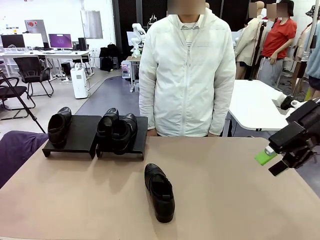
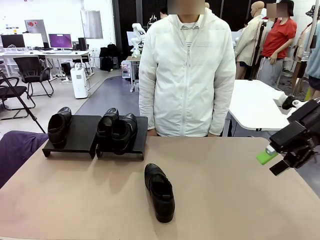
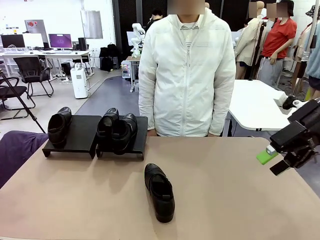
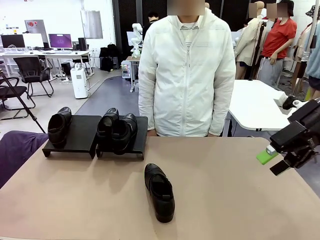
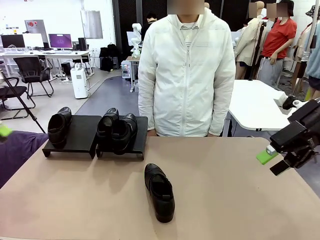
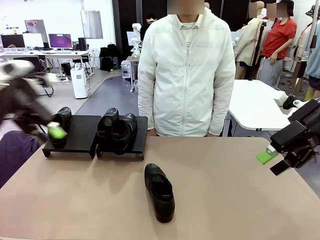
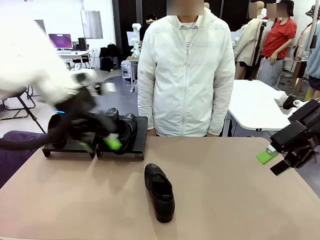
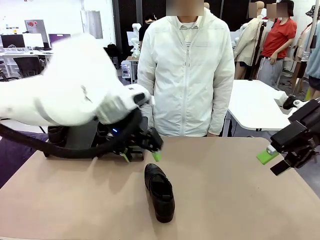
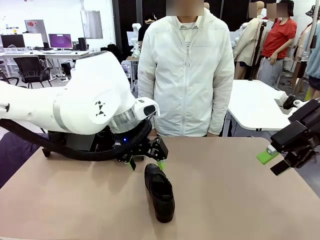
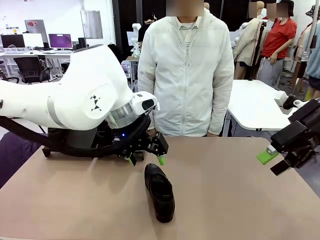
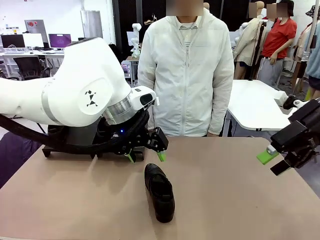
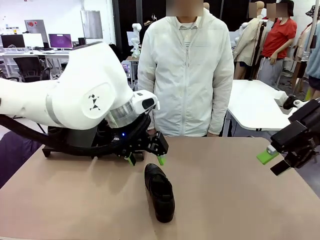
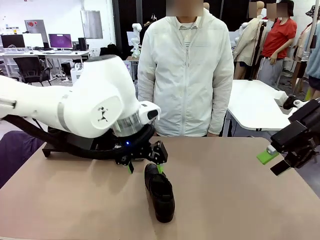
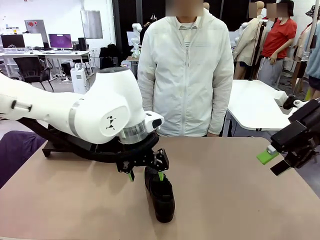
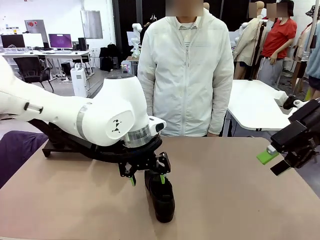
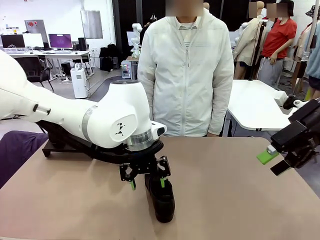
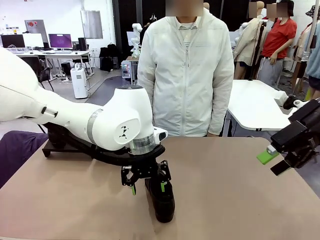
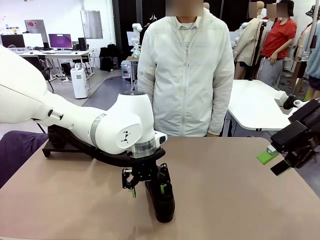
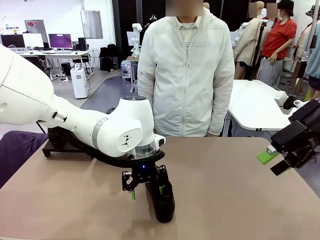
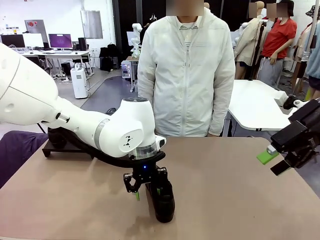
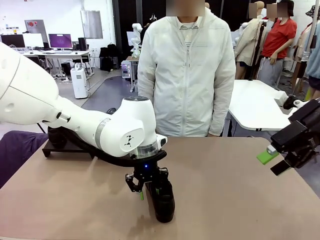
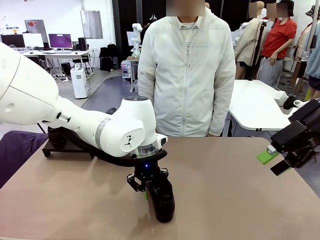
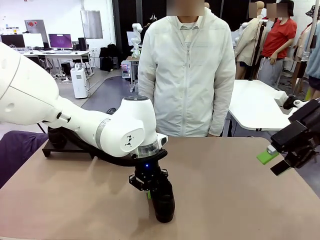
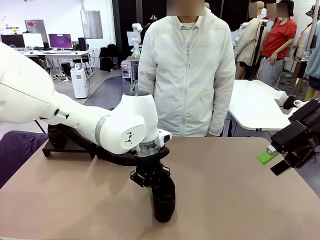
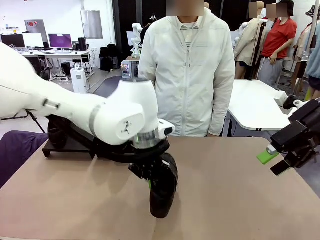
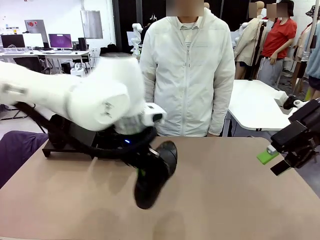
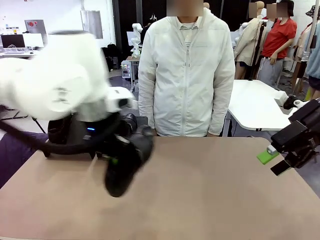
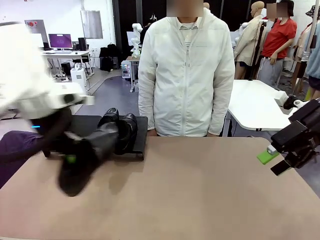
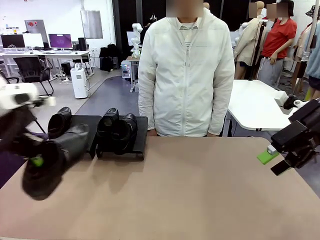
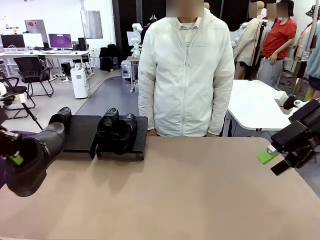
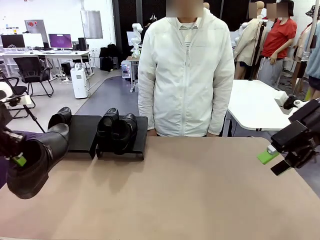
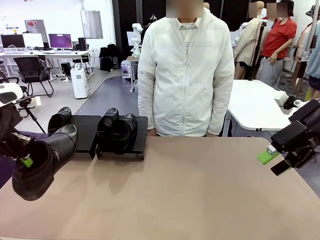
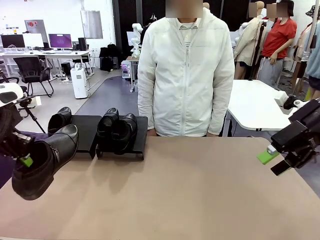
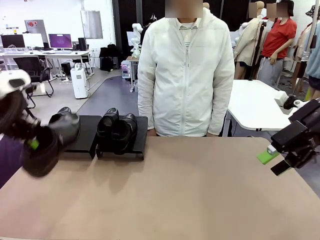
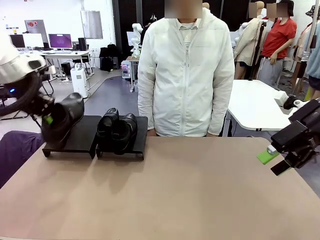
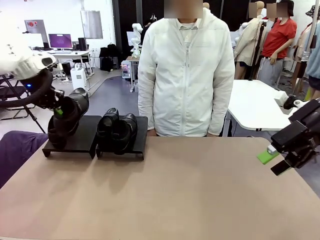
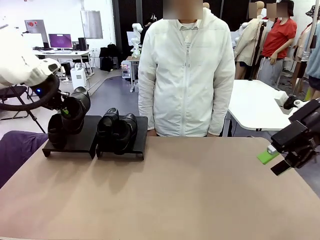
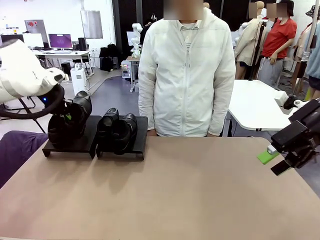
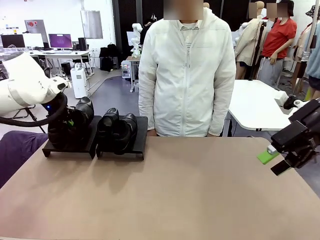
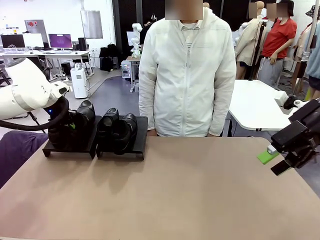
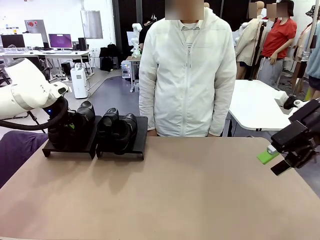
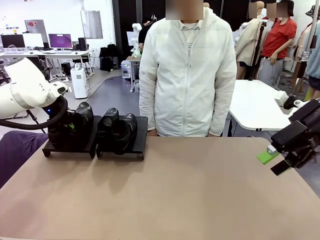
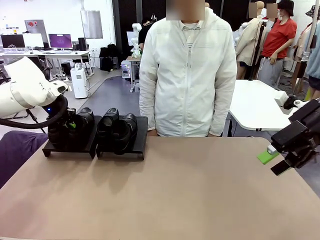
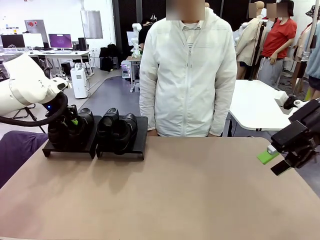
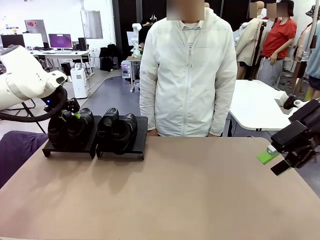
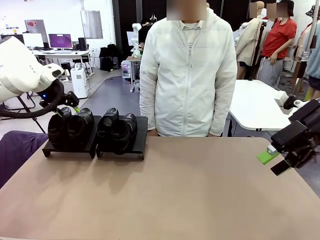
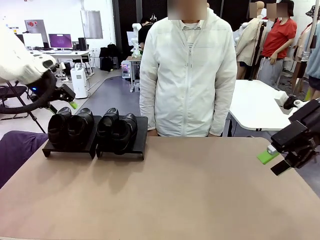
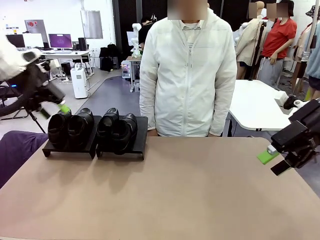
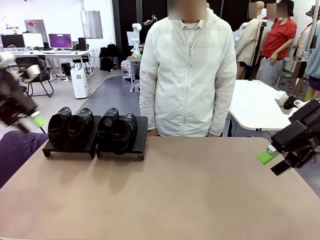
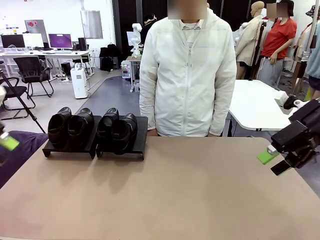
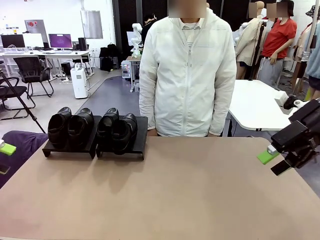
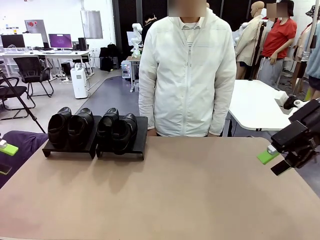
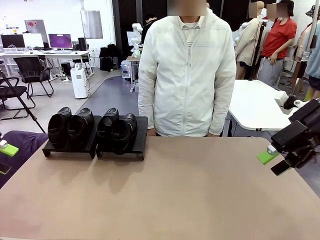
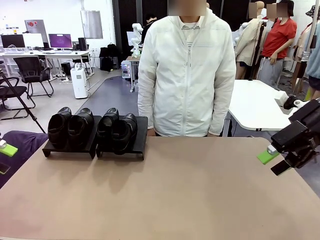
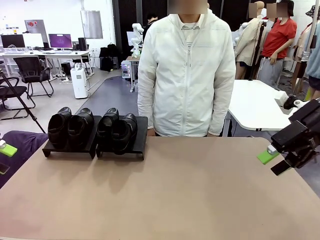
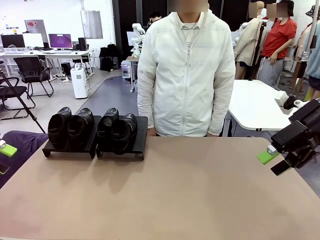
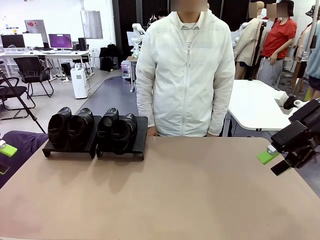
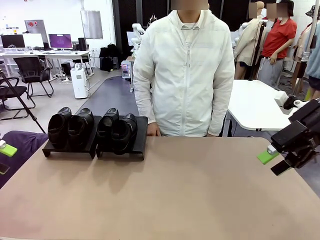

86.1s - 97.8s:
Task: Organize the shoes by placing them on the stand.
Robot: Place the Shoe from the middle of the table onto the Shoes Stand.

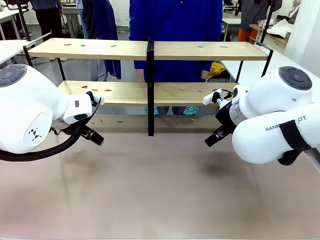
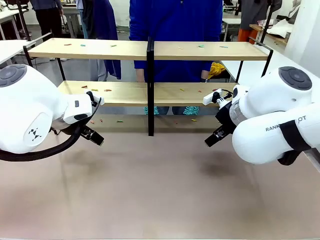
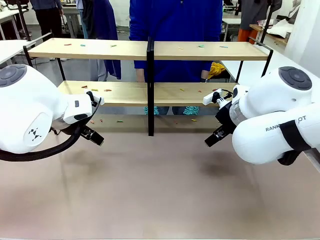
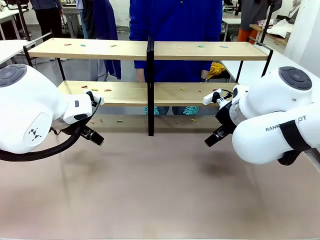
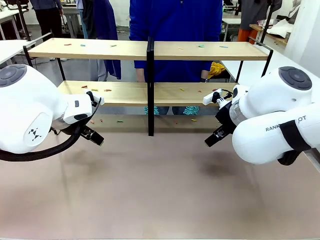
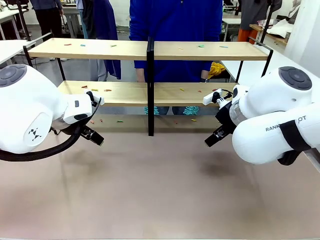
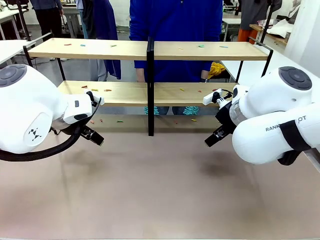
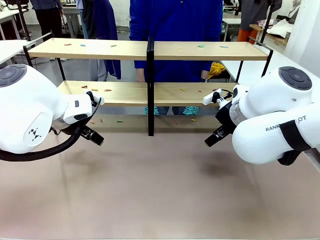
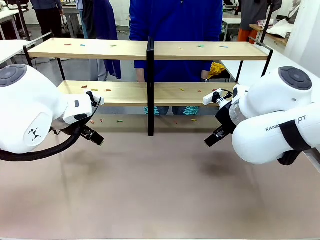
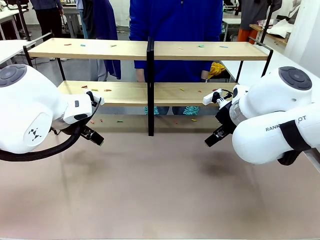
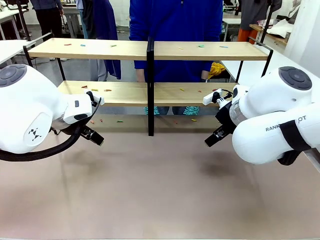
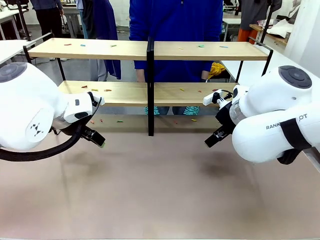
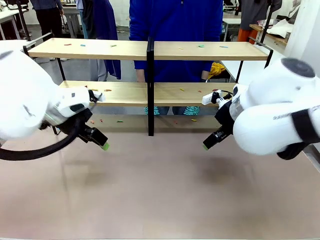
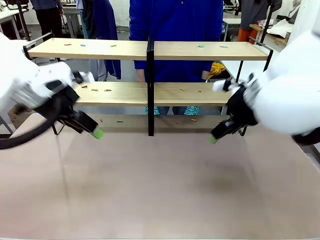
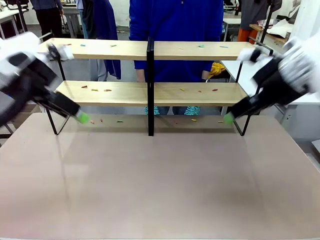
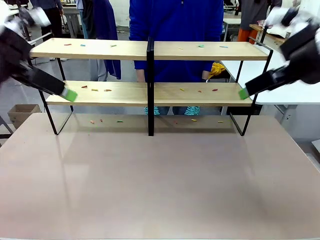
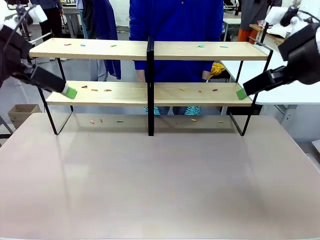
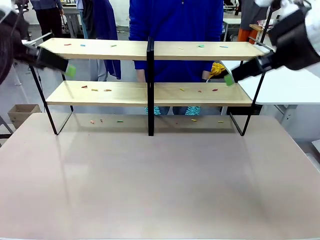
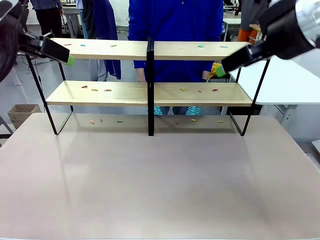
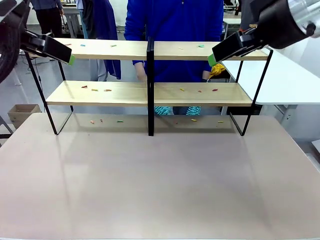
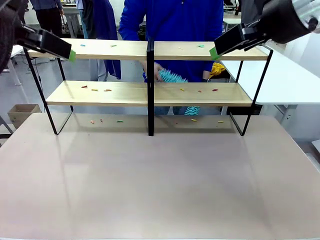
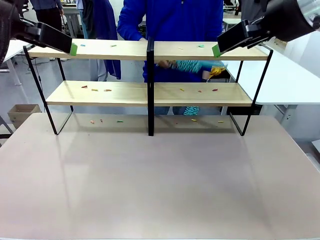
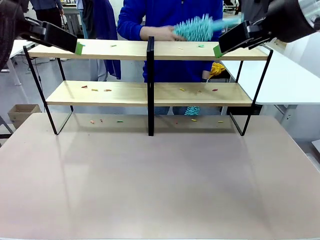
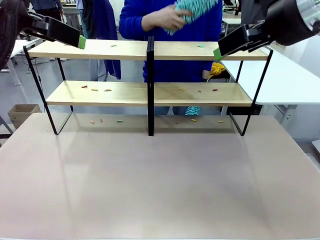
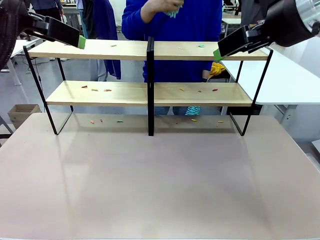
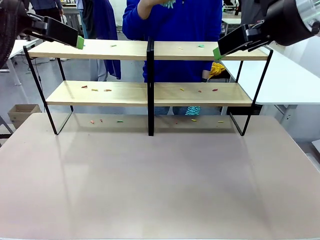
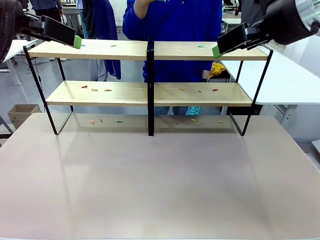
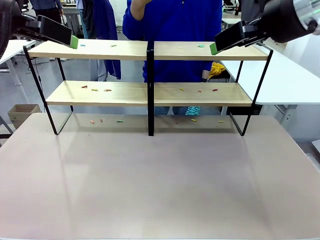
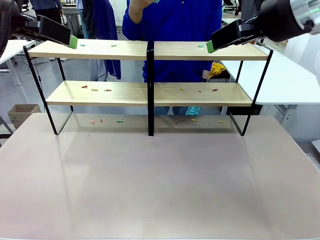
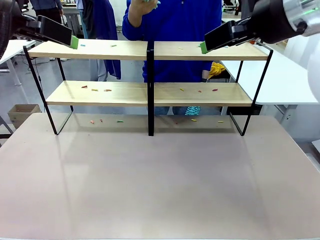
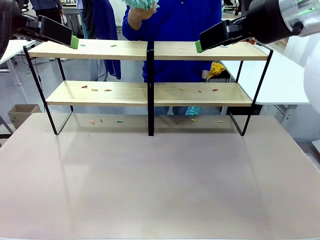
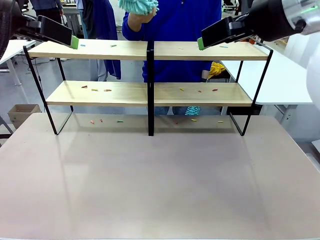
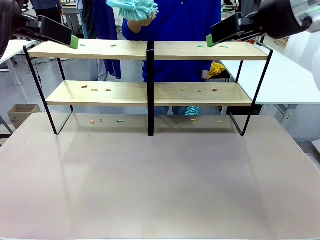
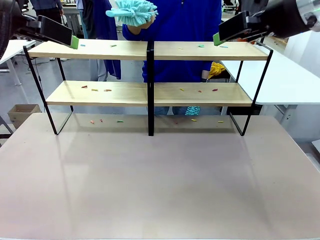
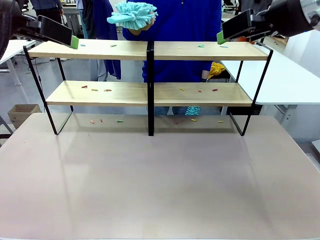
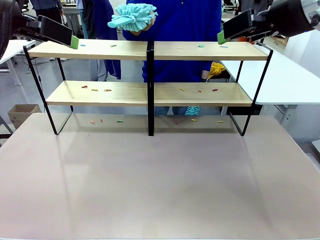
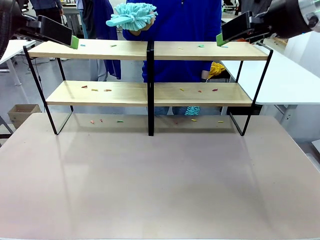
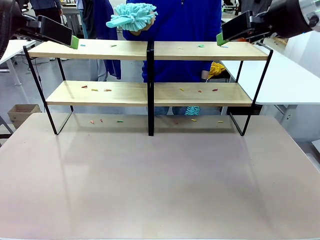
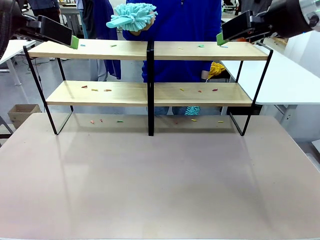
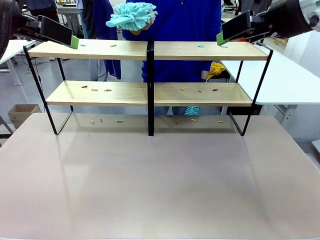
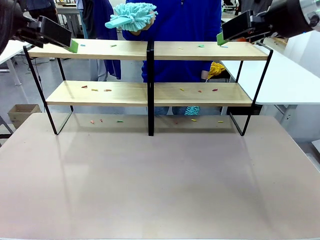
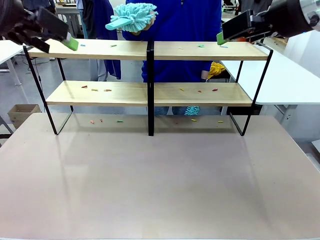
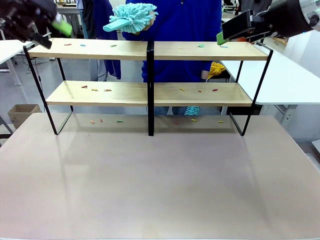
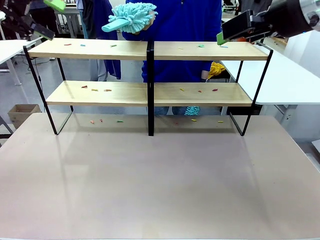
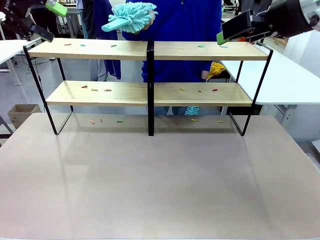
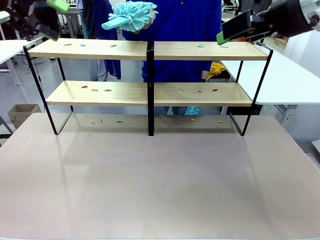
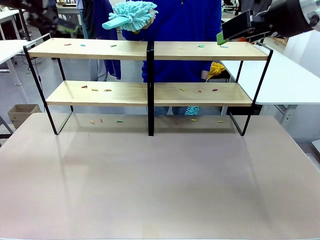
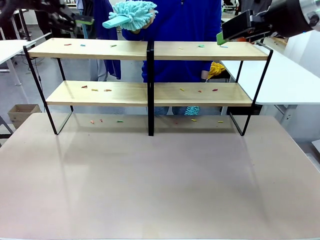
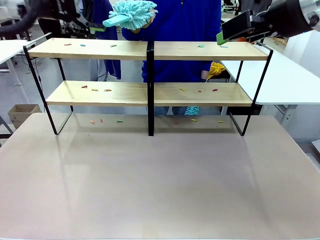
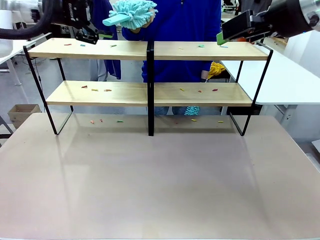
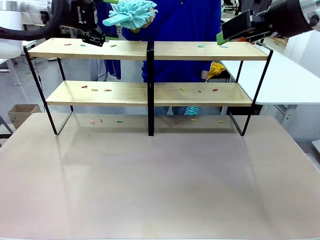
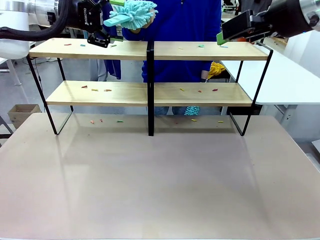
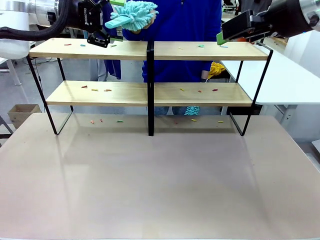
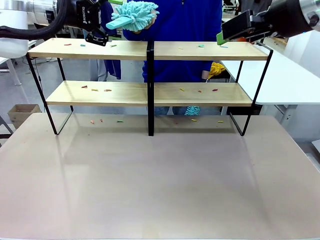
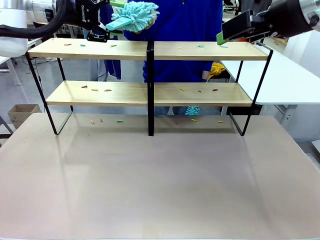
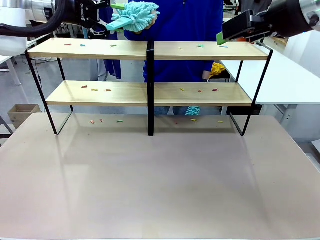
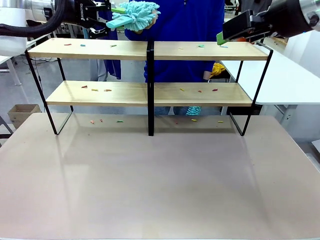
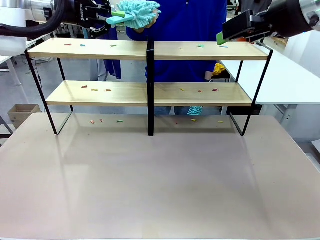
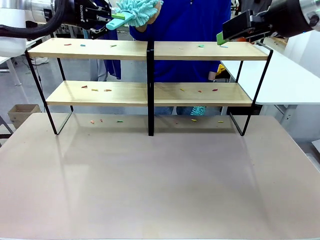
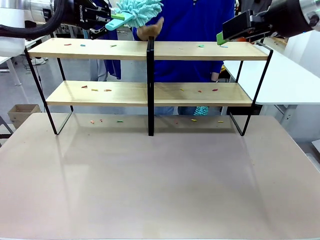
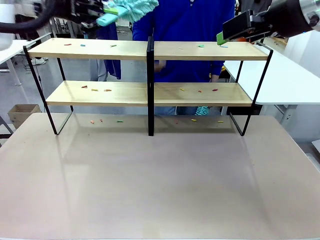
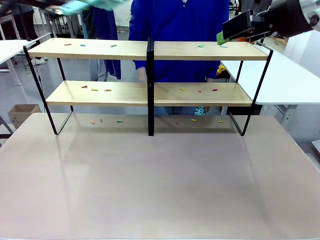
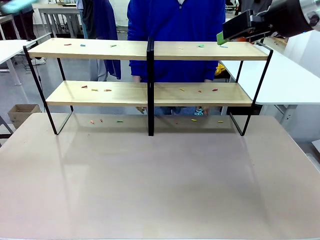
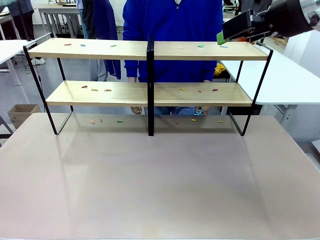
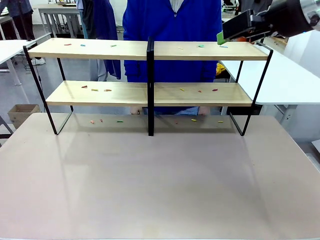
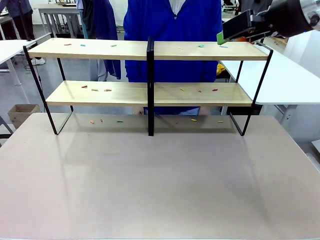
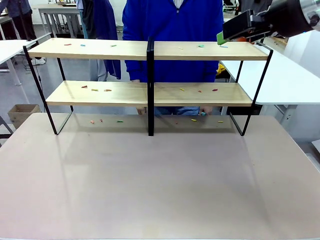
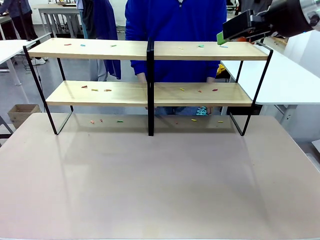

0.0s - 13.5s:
Task: Clean the shelves.
Robot: Pick up the Duster when the human hands it over.
Person: Hand the Duster to the robot with your right (or left) hand.
